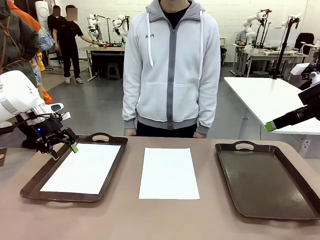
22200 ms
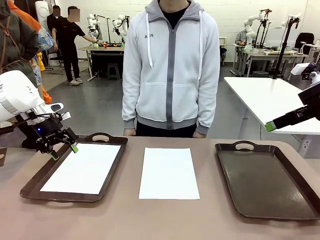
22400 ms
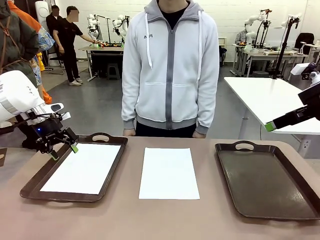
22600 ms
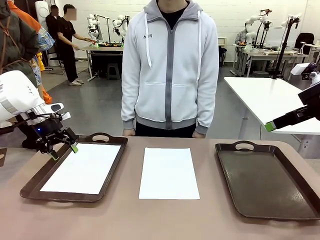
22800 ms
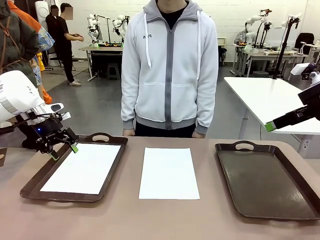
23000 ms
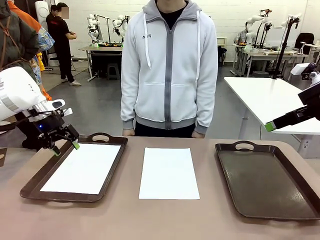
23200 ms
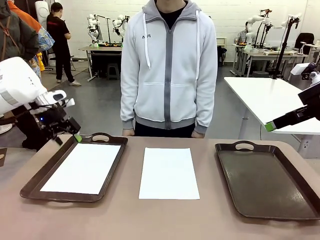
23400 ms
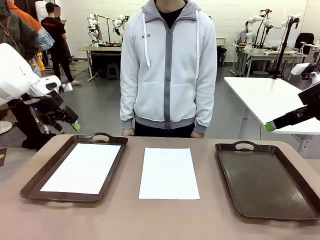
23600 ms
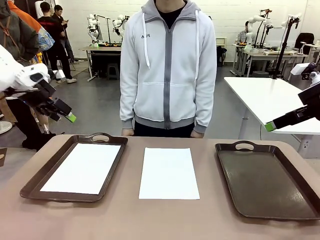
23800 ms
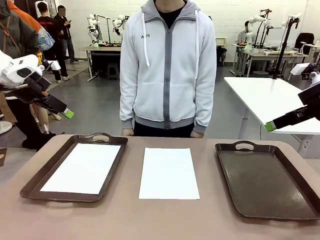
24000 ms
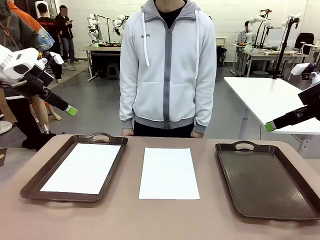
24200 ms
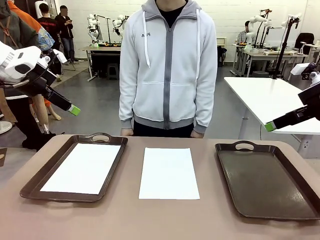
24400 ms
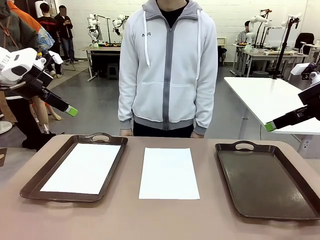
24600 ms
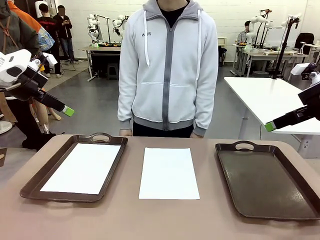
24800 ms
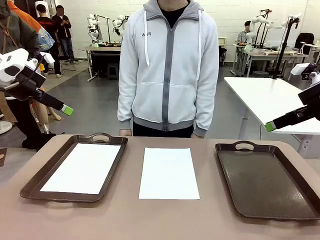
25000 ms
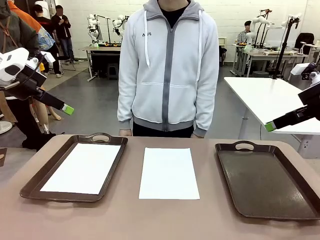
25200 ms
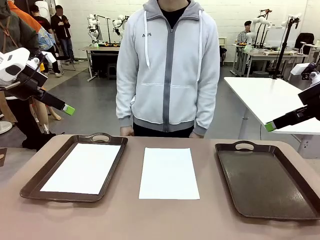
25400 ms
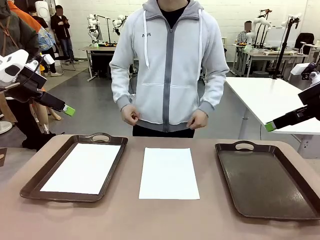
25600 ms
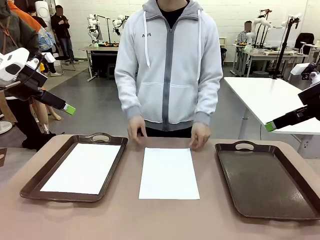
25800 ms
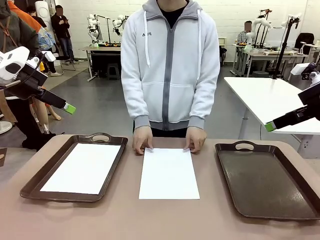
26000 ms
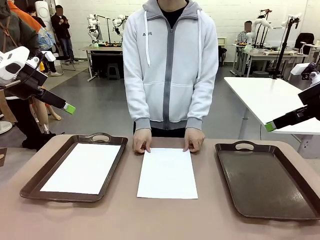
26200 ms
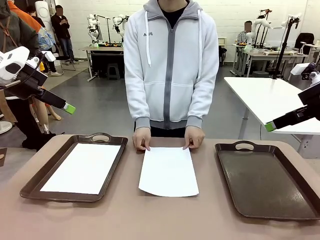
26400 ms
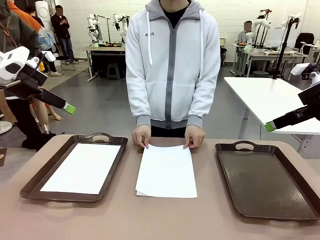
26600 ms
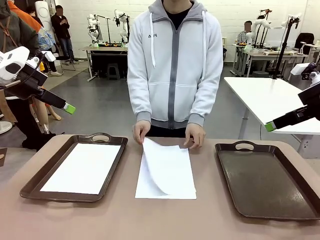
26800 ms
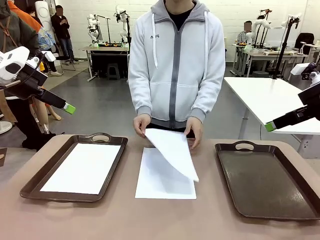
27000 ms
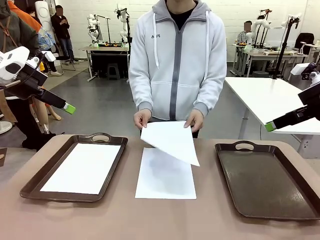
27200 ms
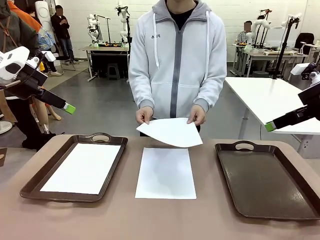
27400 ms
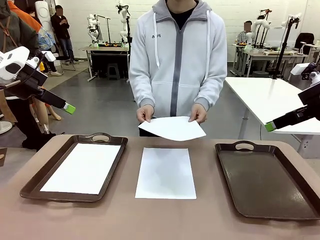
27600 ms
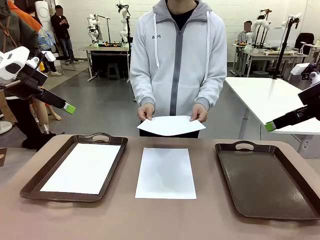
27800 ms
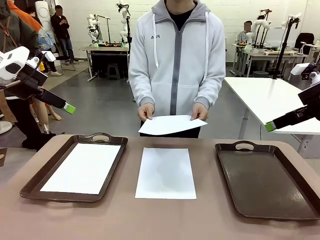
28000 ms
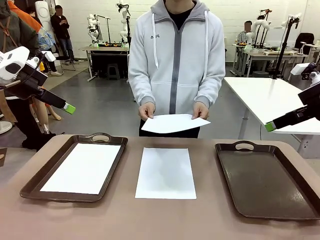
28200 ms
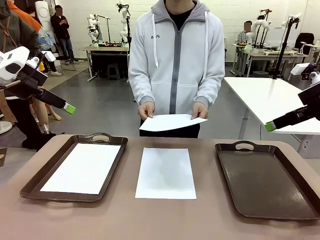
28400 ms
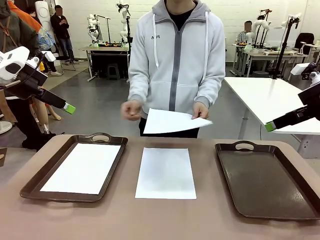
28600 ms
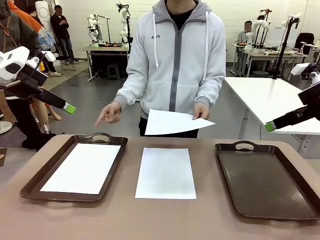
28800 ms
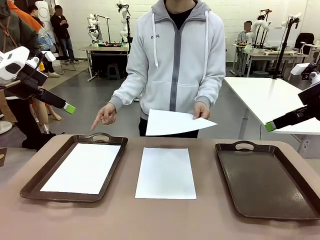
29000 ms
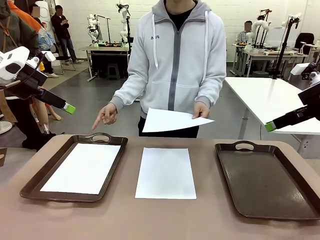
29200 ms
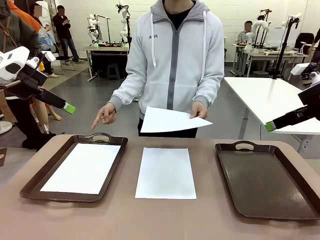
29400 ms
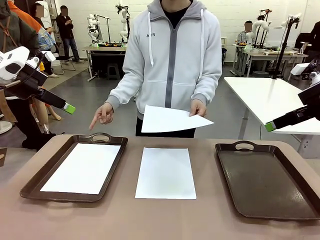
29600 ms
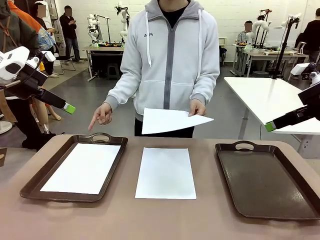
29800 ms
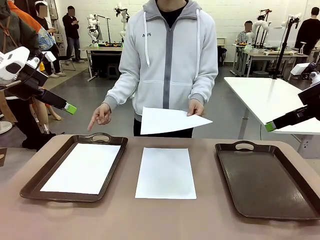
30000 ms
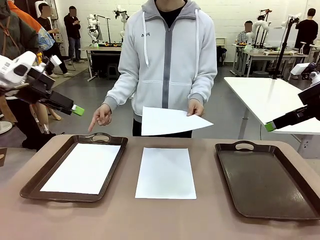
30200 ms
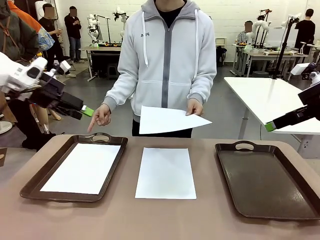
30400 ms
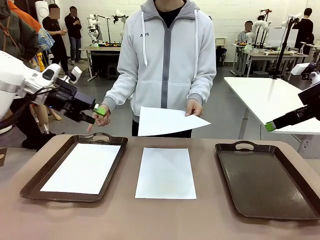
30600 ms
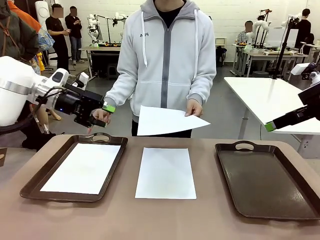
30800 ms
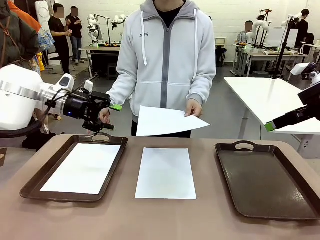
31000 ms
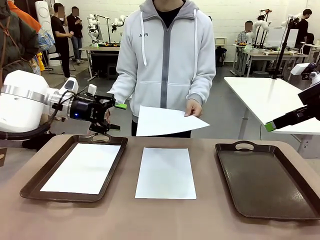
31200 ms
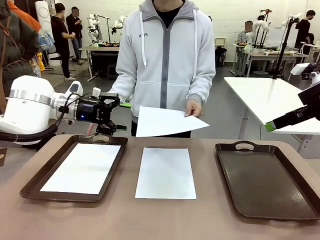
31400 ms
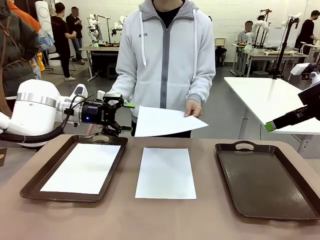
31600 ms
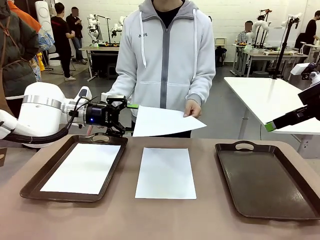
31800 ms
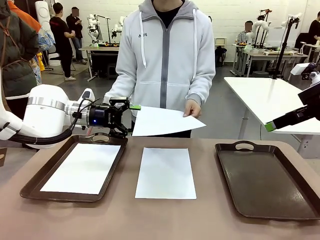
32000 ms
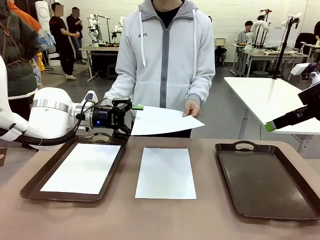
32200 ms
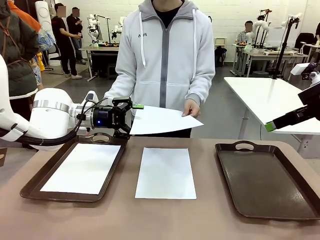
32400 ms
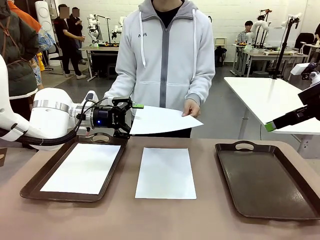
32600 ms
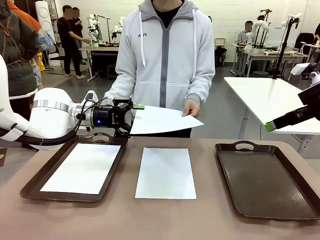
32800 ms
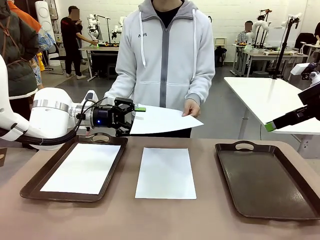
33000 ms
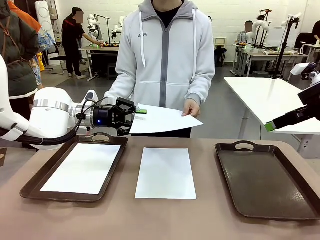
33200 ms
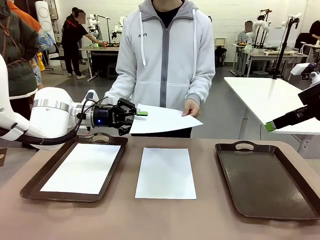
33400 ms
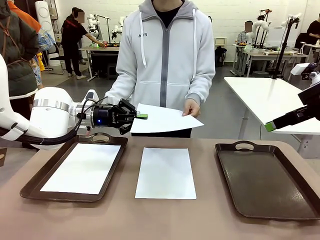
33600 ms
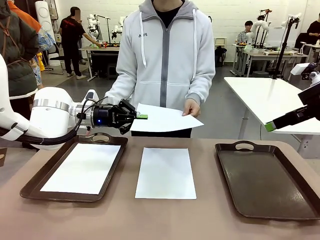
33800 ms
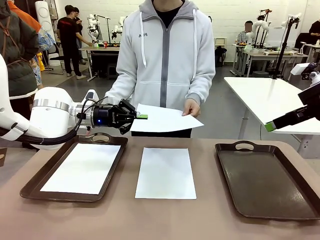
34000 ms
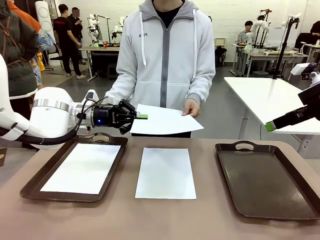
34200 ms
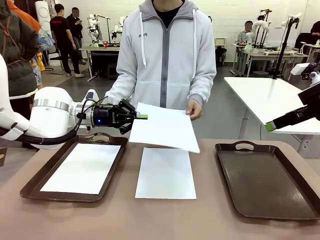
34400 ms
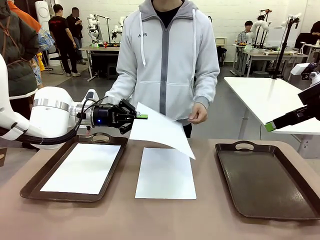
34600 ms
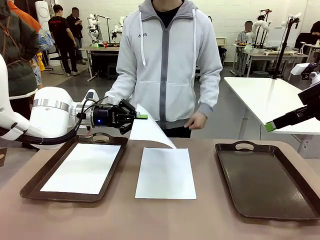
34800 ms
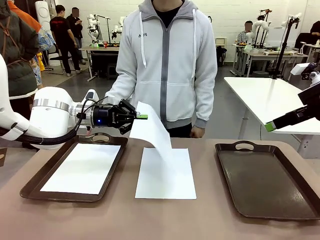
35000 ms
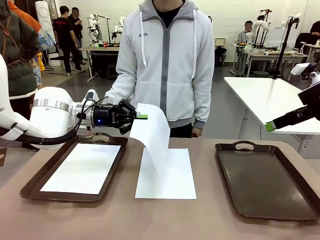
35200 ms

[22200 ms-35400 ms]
Task: Sort the A4 documents.
Robot: Receive the A4 Paper.
Person: Point the randomly selected tray with the other hand.

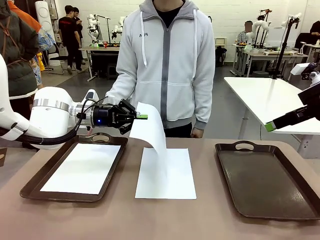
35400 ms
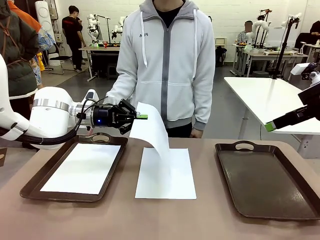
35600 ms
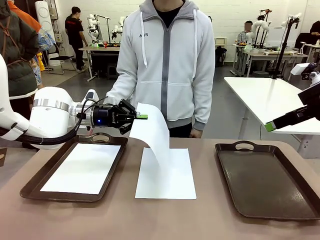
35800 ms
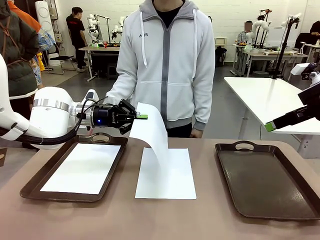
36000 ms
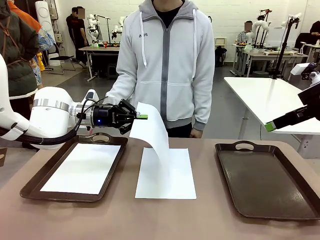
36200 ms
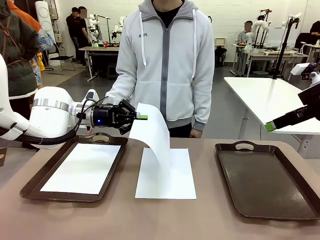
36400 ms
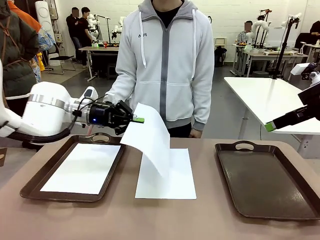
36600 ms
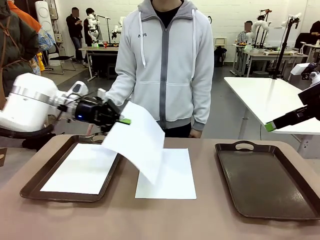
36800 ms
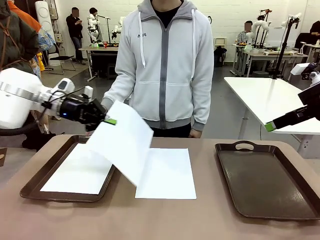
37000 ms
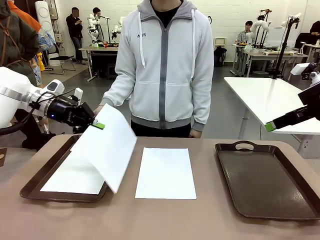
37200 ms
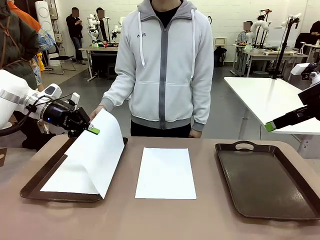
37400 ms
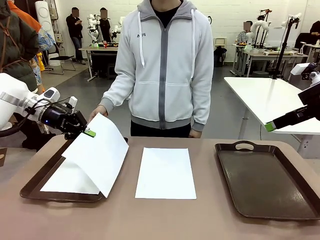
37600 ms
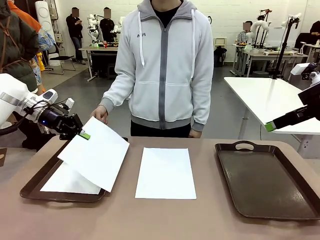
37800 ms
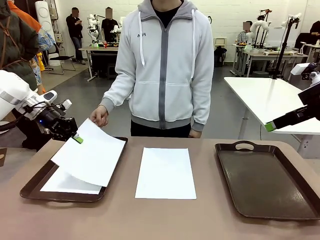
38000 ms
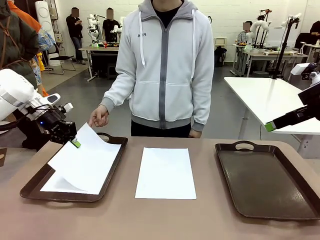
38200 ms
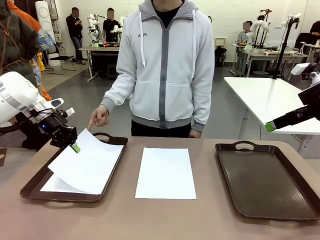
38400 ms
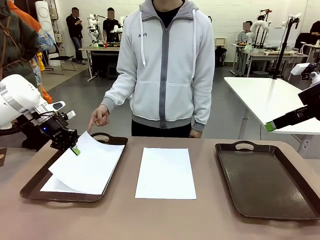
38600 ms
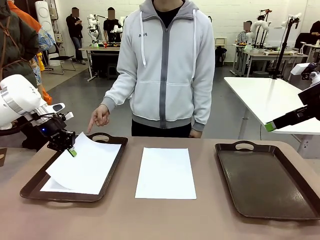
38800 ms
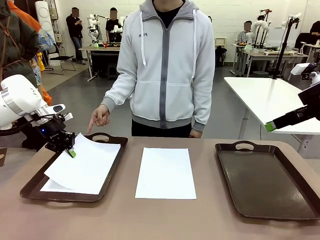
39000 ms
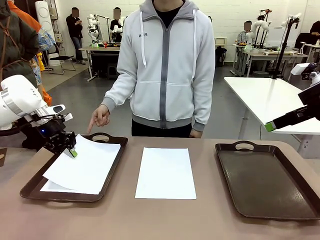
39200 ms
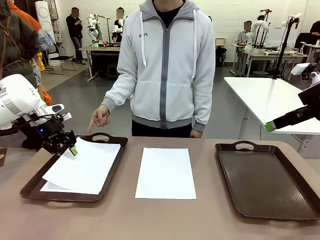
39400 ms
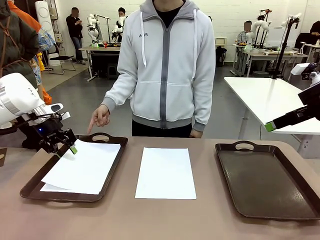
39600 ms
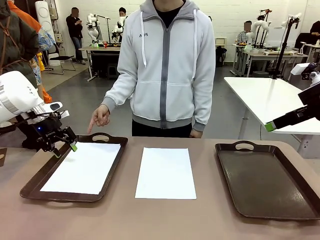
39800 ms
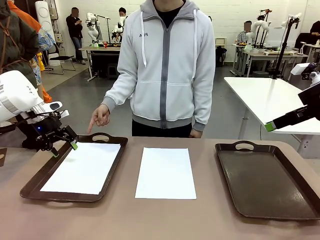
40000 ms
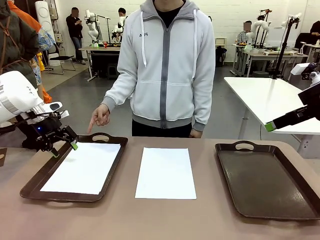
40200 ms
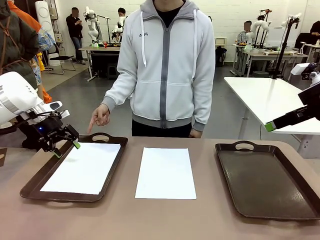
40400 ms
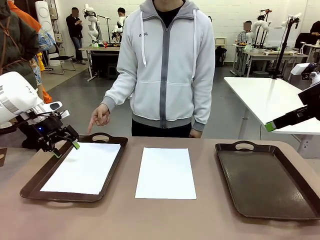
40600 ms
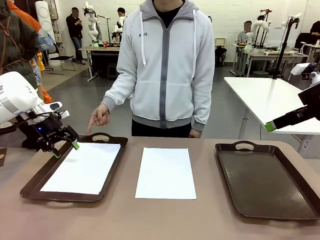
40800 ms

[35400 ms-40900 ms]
Robot: Place the A4 Paper in the designated Handle tray.
